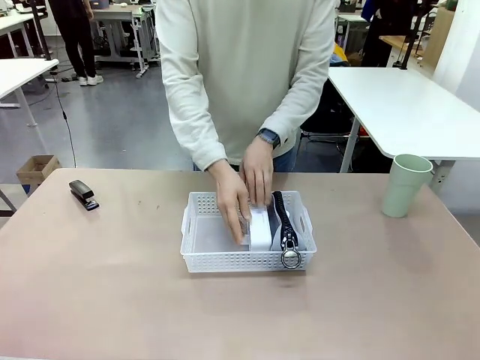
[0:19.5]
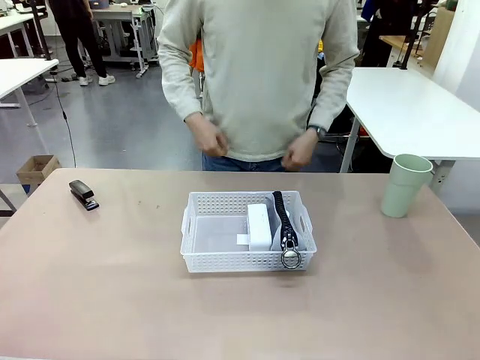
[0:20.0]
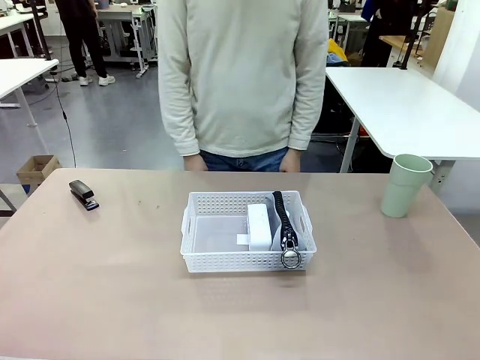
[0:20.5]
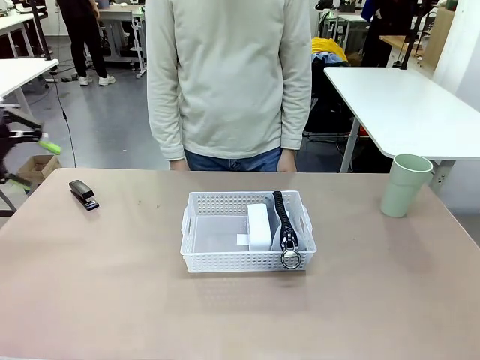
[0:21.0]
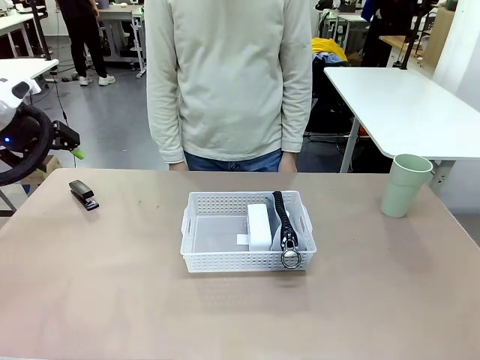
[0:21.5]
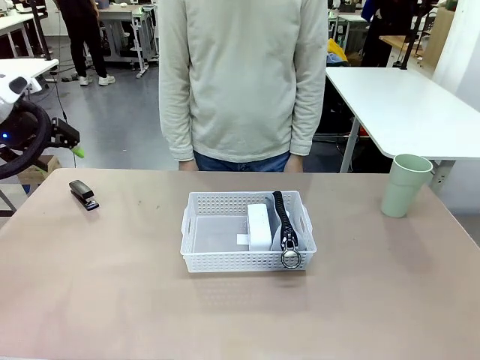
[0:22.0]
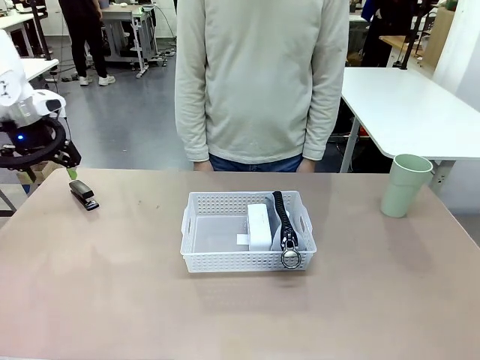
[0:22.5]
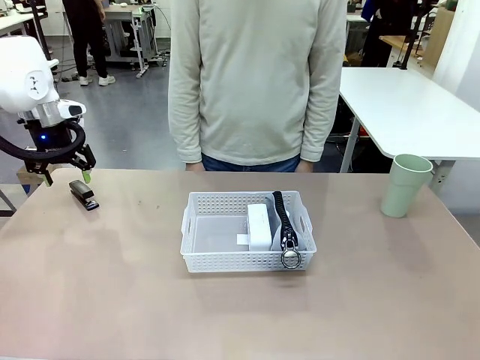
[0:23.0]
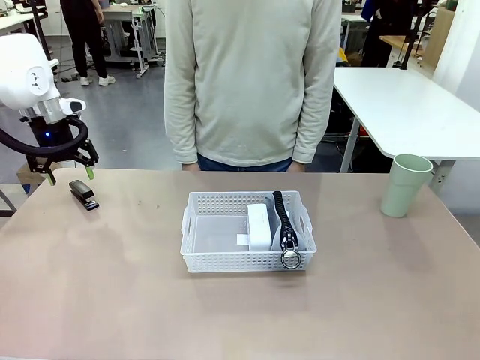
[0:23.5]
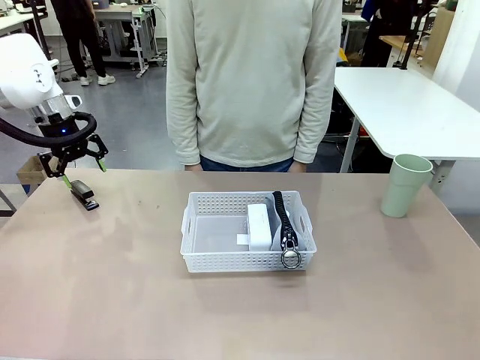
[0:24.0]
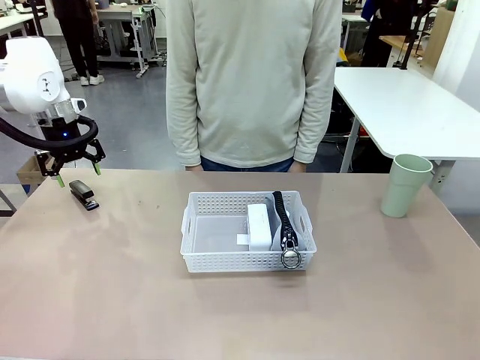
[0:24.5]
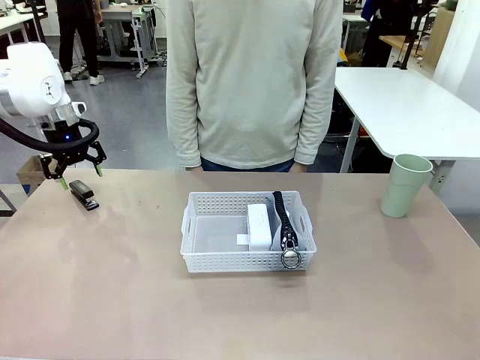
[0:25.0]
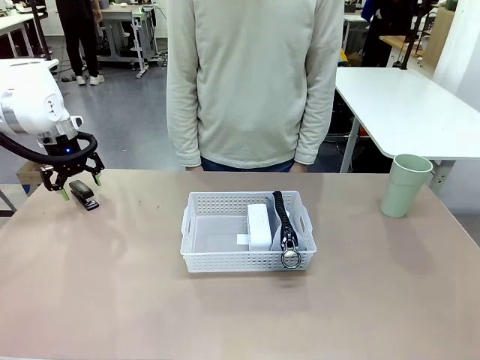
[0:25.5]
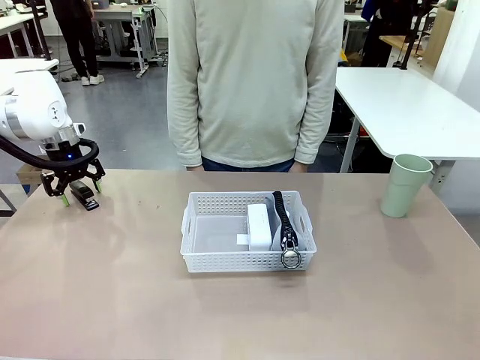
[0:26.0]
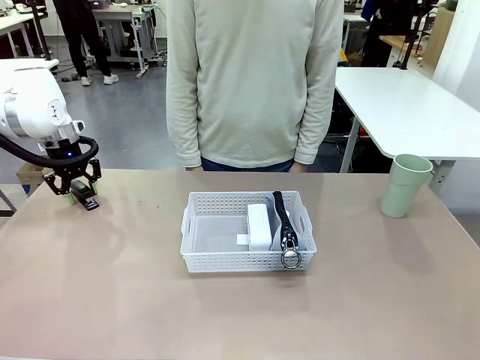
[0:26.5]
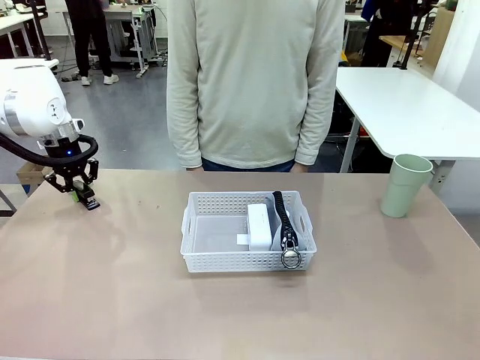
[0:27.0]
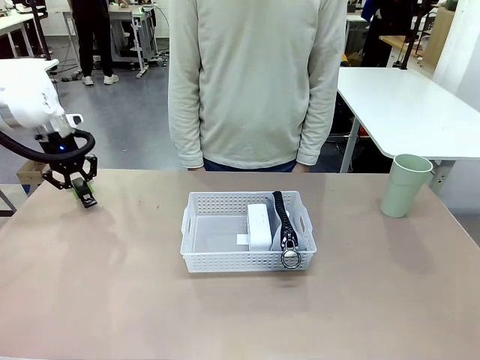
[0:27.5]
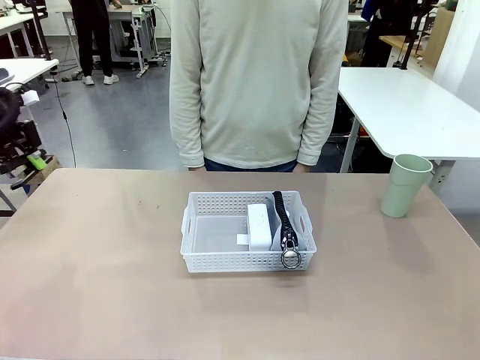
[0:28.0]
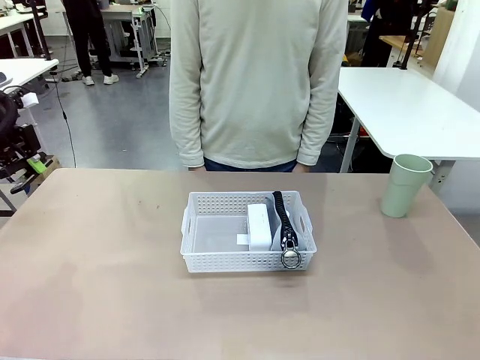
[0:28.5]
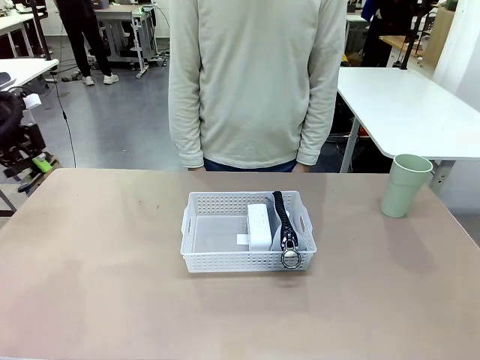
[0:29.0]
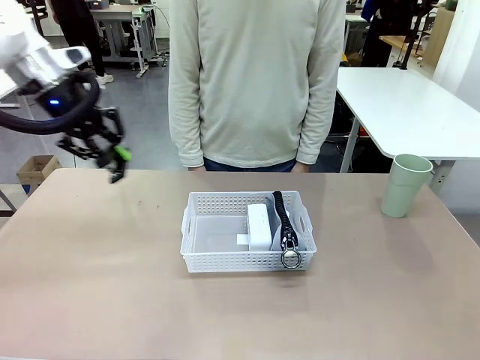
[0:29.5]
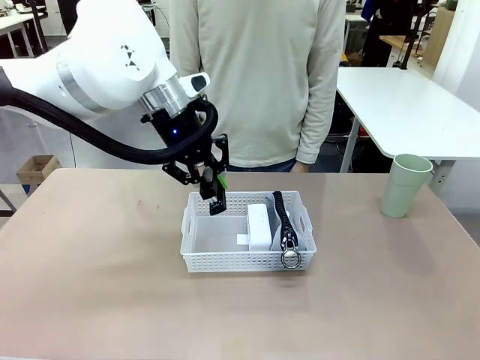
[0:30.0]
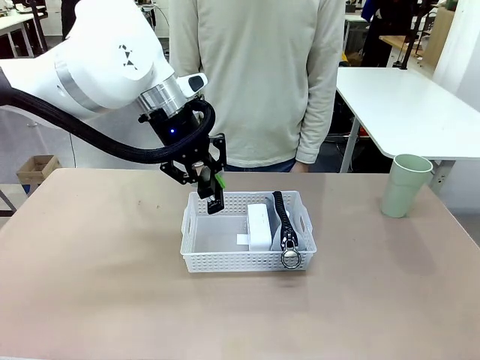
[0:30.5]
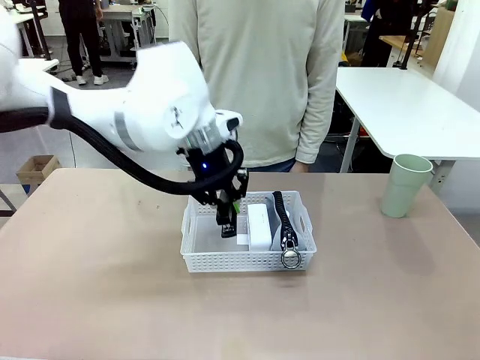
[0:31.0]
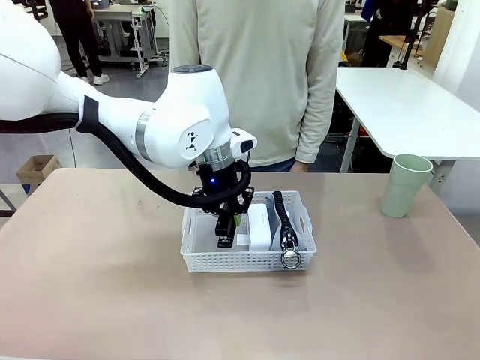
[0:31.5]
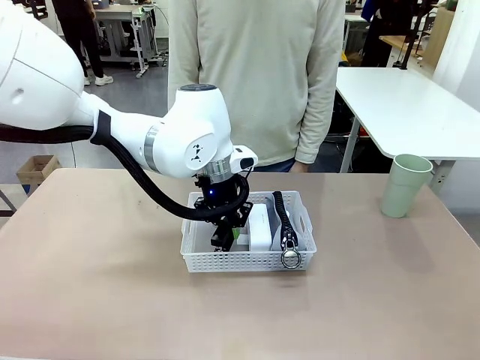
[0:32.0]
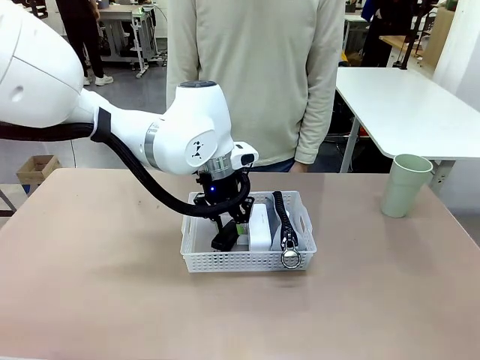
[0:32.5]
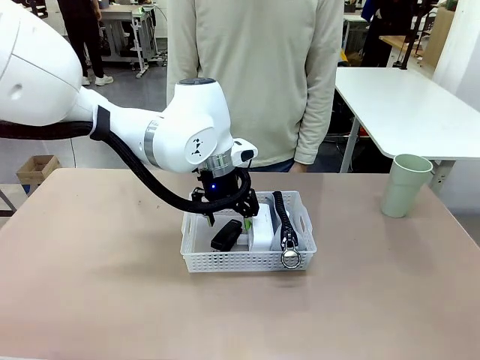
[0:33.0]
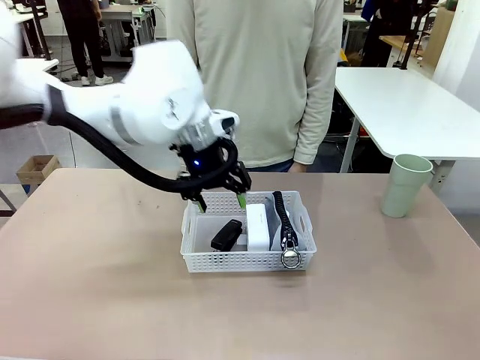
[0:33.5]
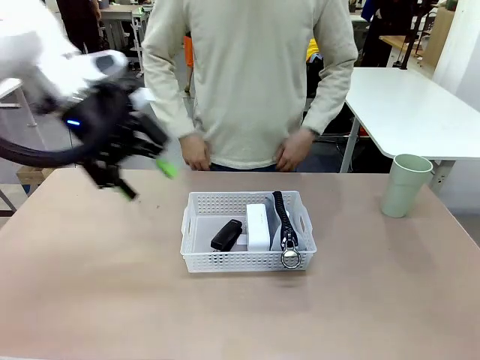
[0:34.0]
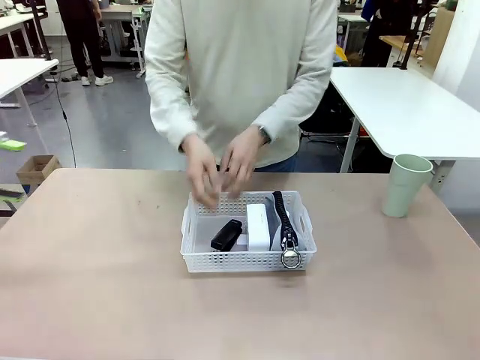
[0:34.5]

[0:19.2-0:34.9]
Task: Efficiently arrange items inside the basket to fit them all.
Robot: Pick up the Stapler and place it inside the Organizing basket.

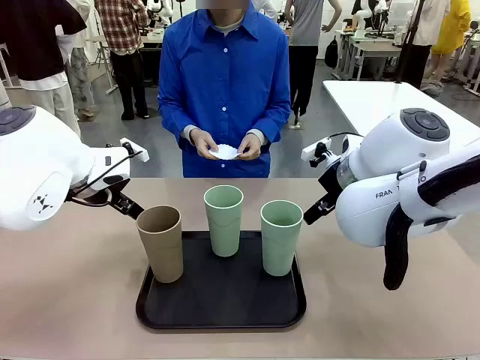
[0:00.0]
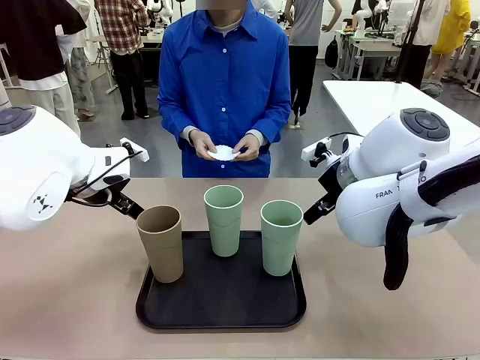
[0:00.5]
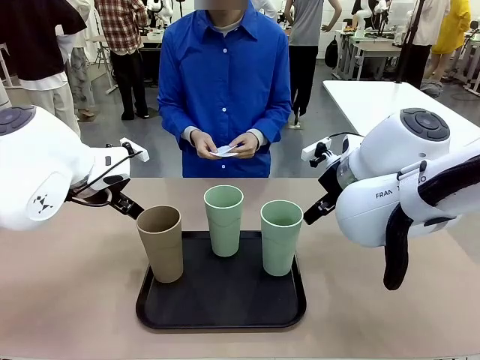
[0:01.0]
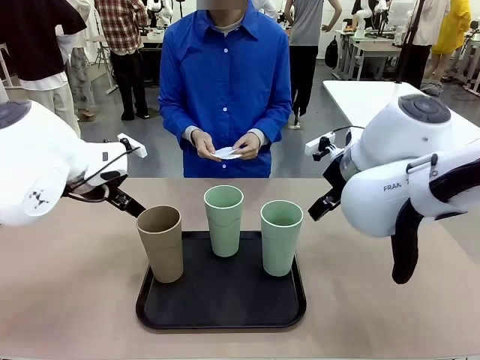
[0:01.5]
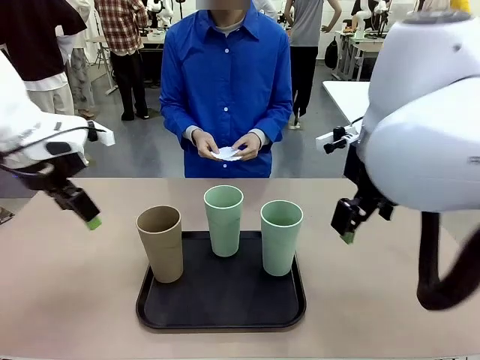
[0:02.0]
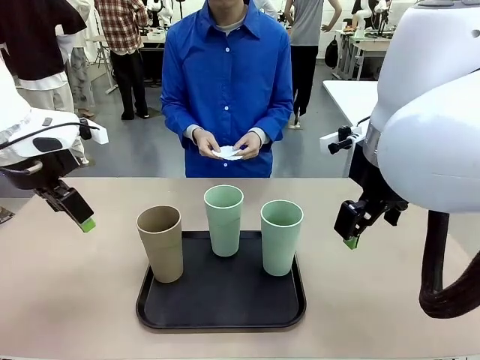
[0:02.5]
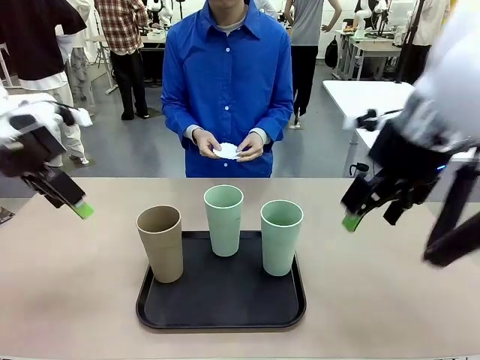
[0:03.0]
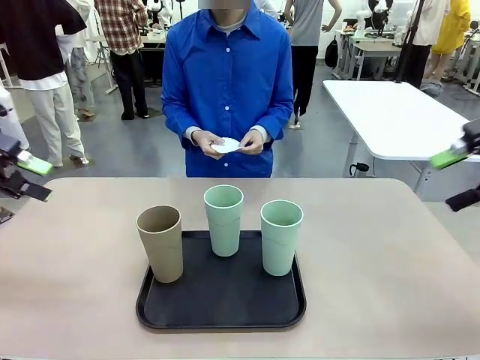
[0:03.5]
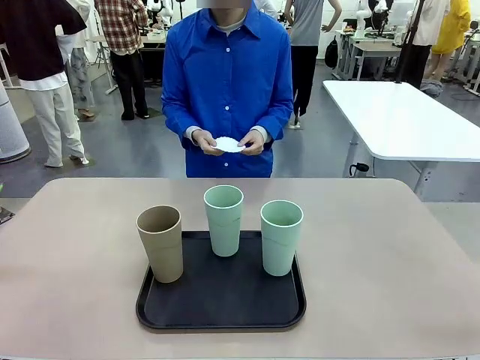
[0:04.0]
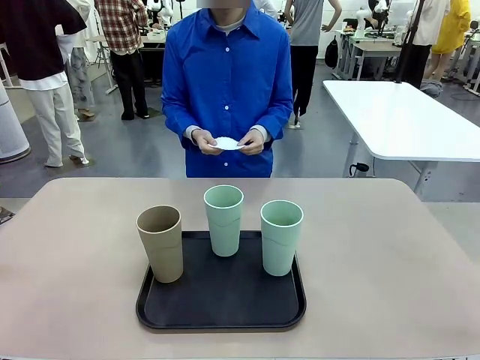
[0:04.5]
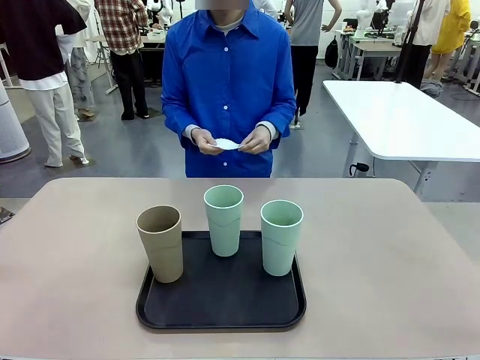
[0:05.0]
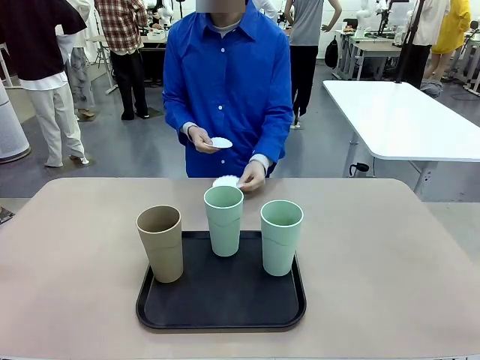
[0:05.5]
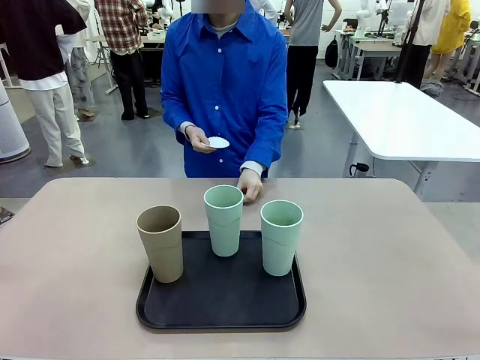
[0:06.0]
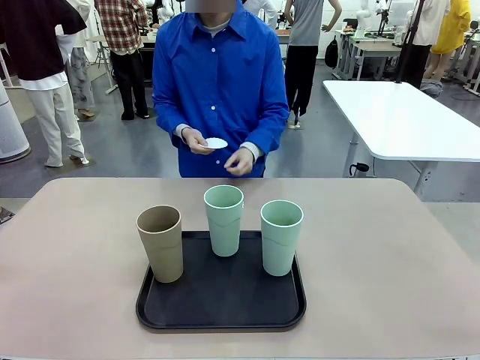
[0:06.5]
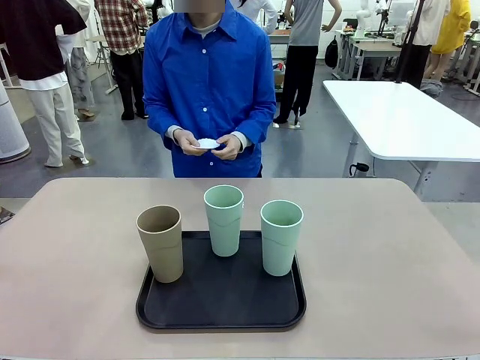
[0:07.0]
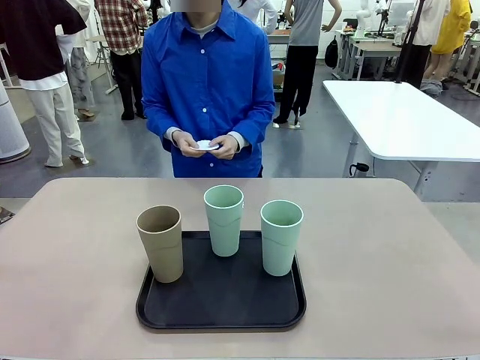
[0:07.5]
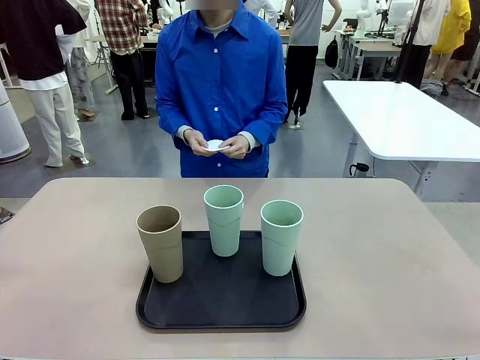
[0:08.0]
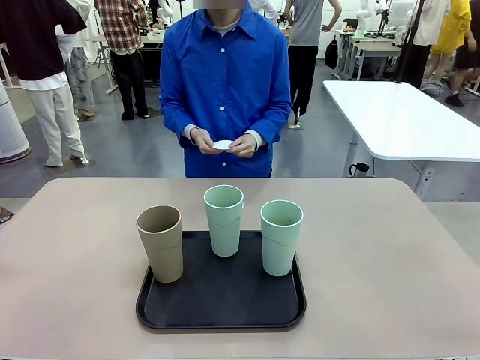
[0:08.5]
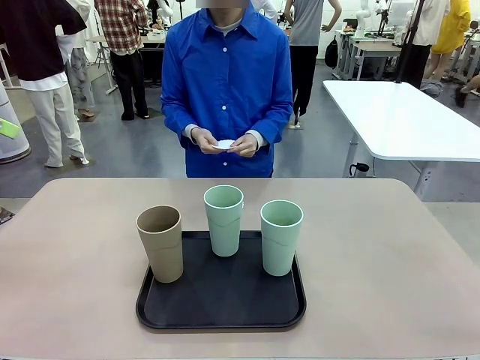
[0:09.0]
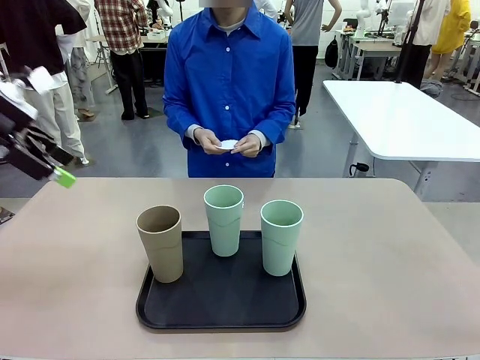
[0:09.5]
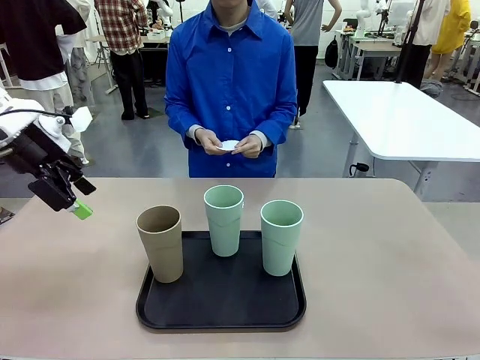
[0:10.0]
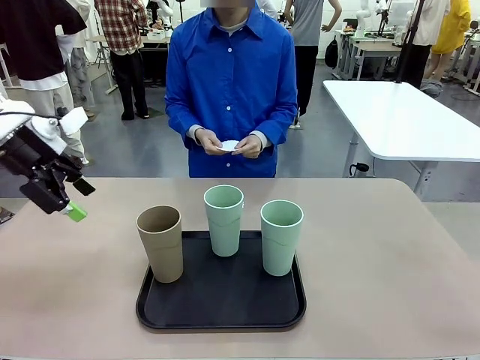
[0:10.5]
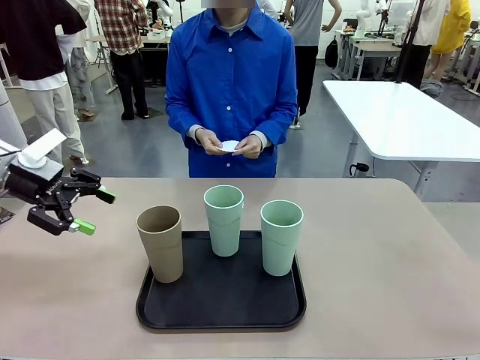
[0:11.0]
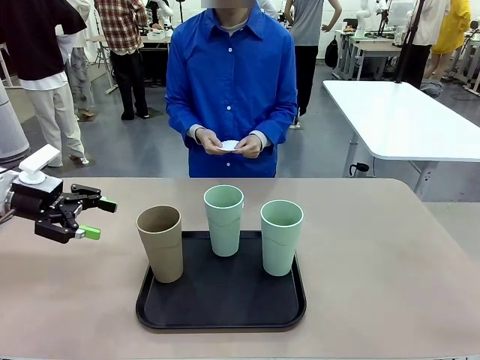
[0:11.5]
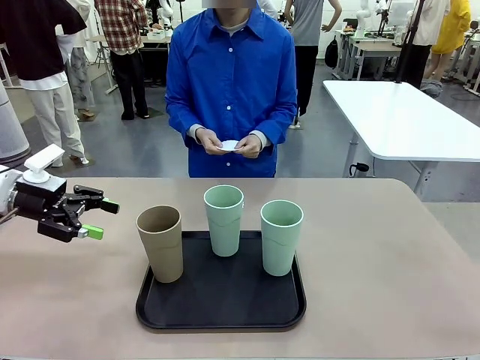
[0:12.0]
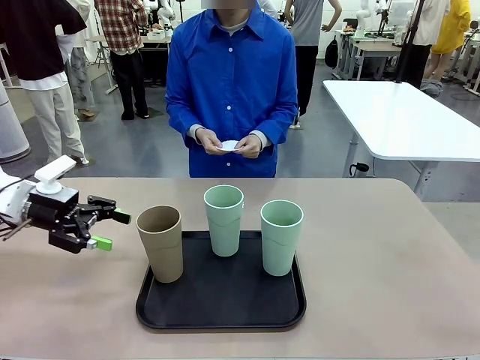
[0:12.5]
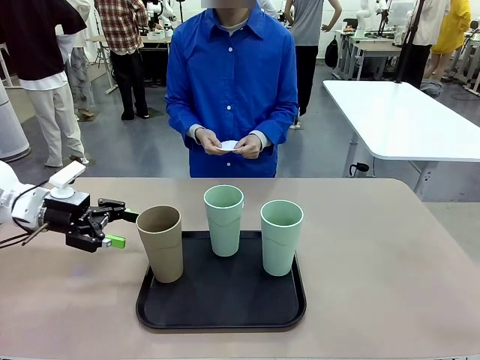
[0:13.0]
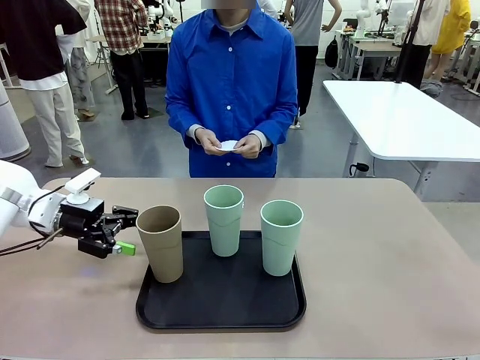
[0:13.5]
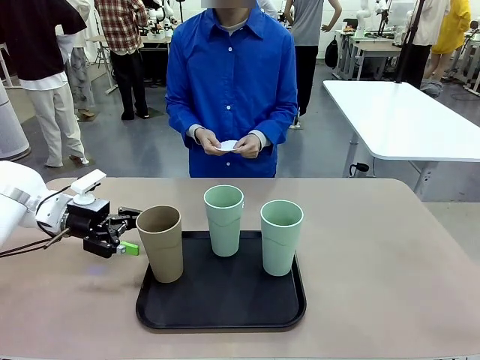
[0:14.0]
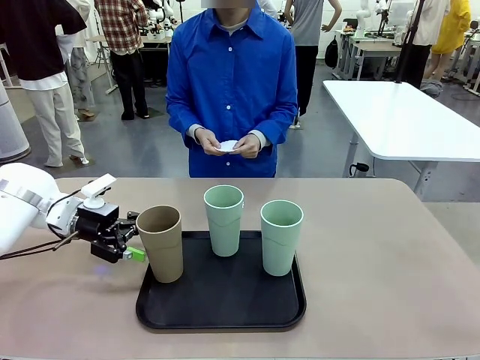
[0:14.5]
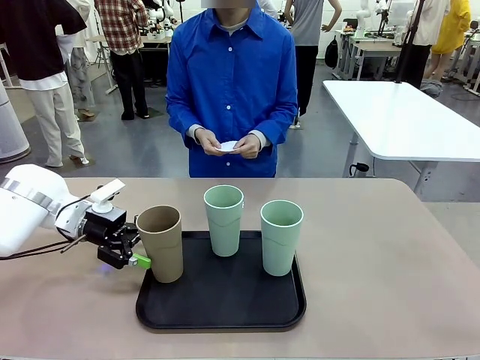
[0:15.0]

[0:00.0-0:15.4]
Task: Place coasters on the table and set cups on them.
Robot: Pick up one Reusable plastic cup and place it on a coaster set by the human.
Person: Place one coaster in any one of the three lower areas of the robot table (left, center, or right).
